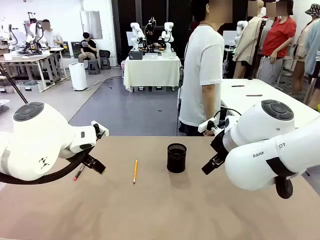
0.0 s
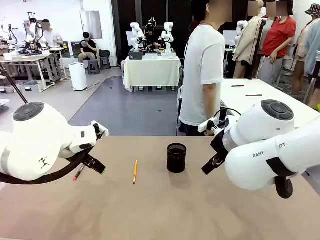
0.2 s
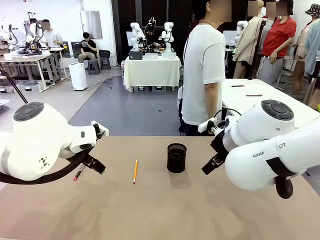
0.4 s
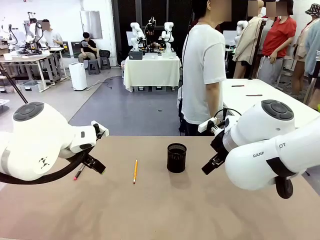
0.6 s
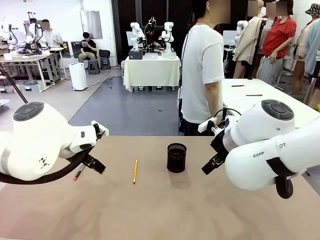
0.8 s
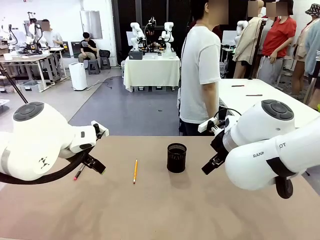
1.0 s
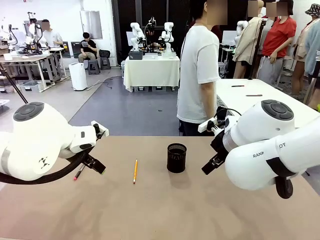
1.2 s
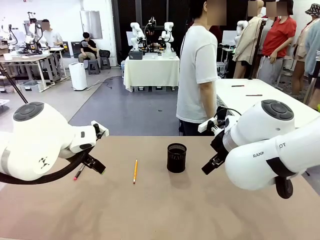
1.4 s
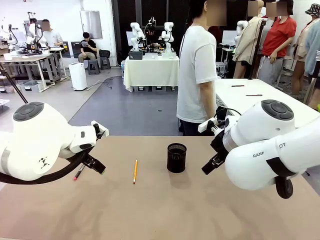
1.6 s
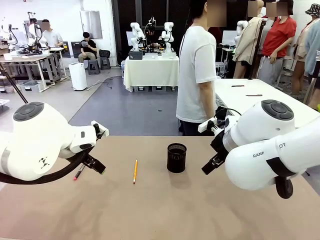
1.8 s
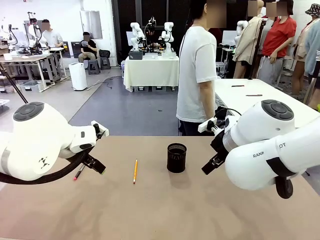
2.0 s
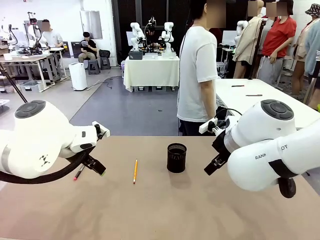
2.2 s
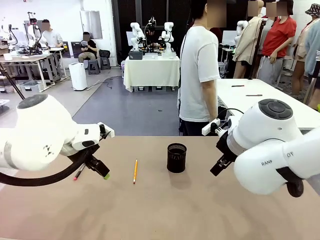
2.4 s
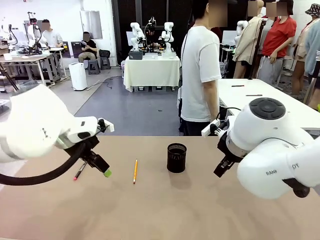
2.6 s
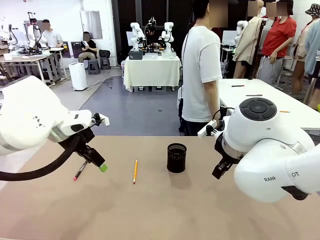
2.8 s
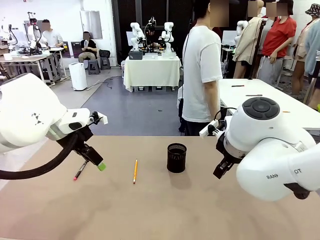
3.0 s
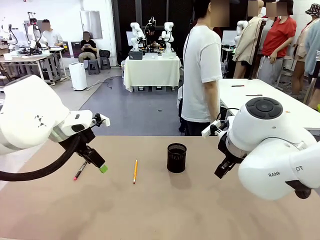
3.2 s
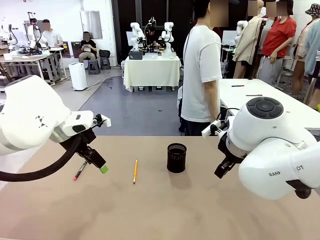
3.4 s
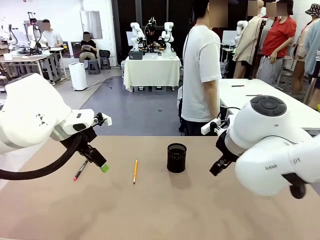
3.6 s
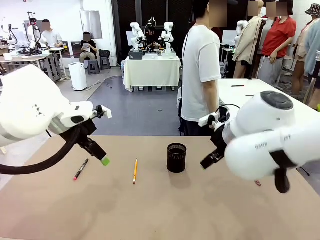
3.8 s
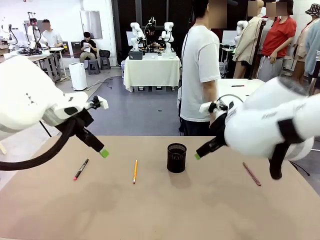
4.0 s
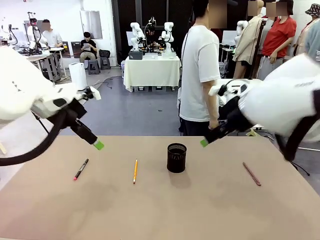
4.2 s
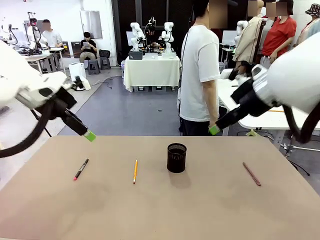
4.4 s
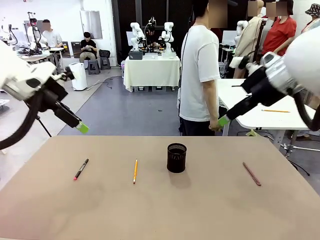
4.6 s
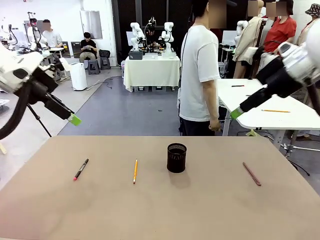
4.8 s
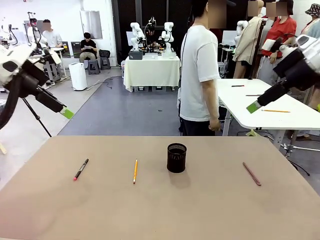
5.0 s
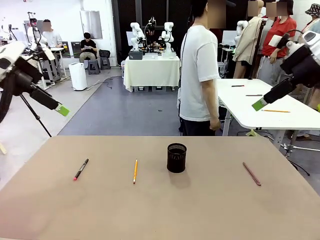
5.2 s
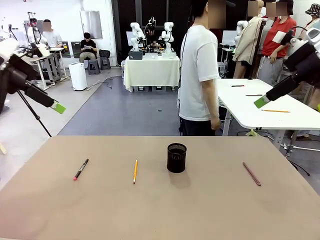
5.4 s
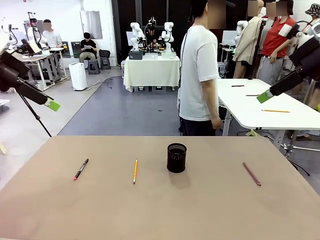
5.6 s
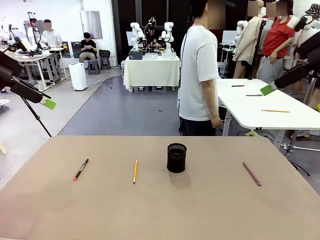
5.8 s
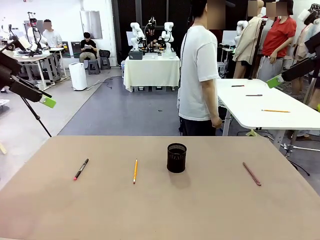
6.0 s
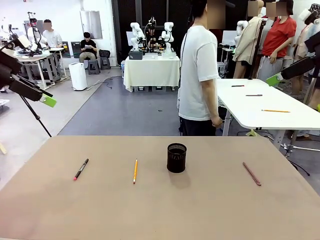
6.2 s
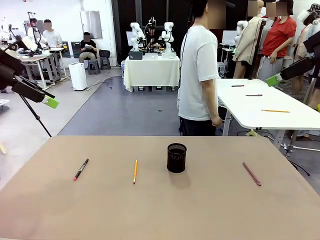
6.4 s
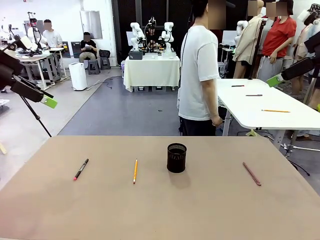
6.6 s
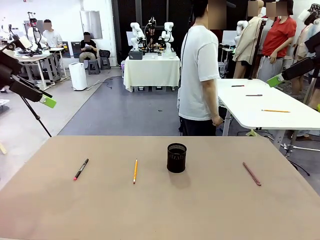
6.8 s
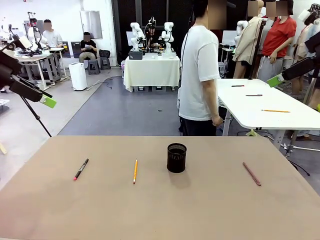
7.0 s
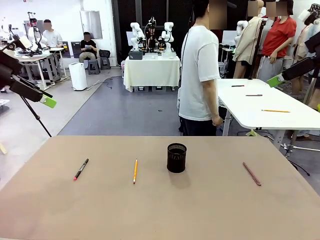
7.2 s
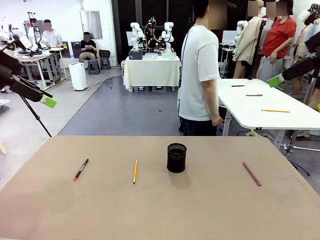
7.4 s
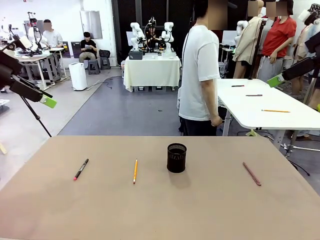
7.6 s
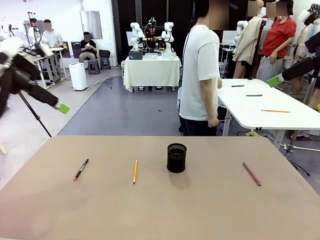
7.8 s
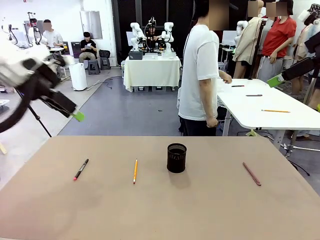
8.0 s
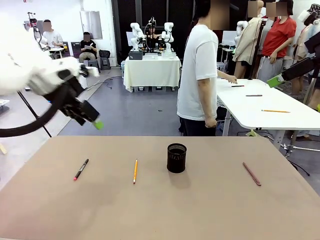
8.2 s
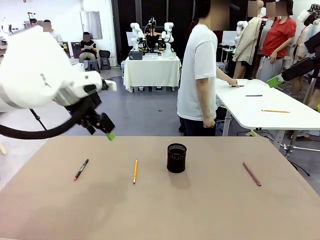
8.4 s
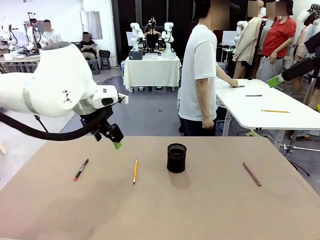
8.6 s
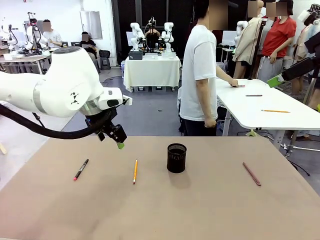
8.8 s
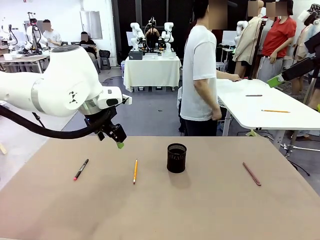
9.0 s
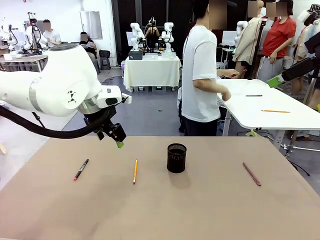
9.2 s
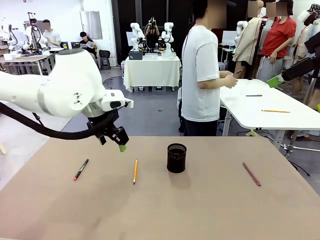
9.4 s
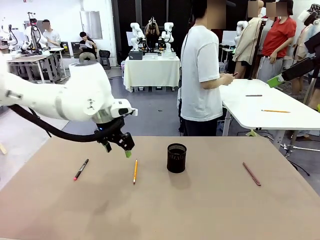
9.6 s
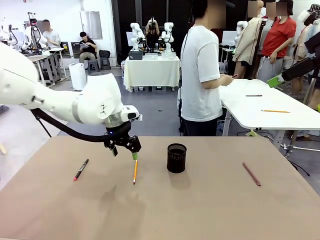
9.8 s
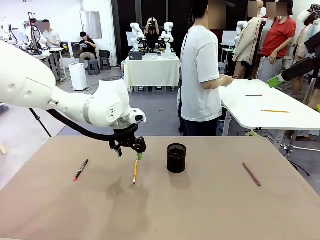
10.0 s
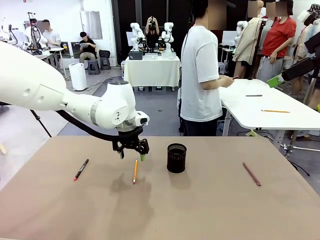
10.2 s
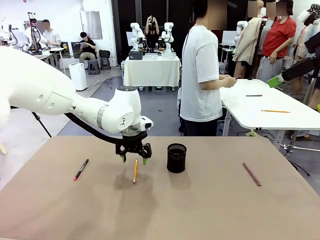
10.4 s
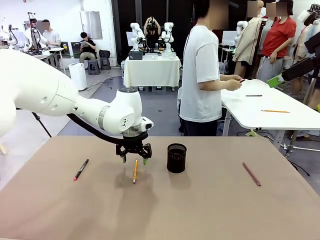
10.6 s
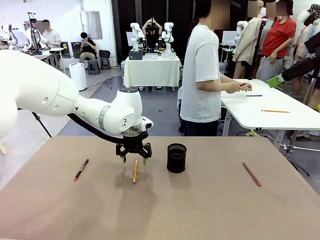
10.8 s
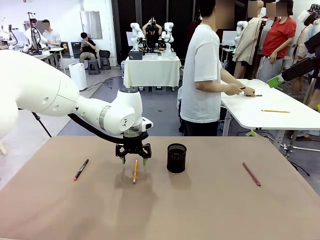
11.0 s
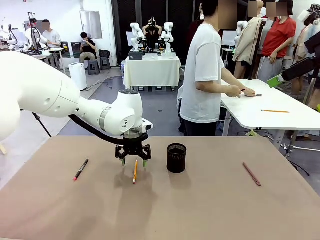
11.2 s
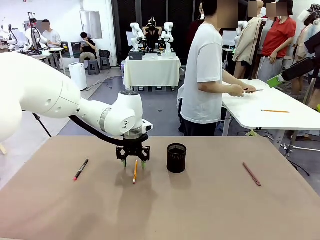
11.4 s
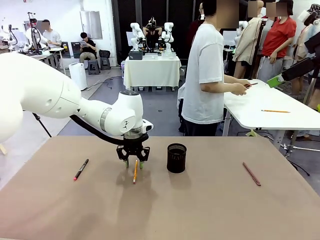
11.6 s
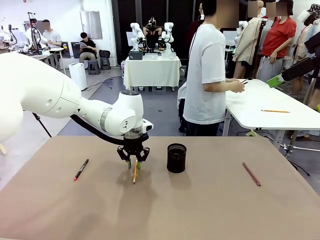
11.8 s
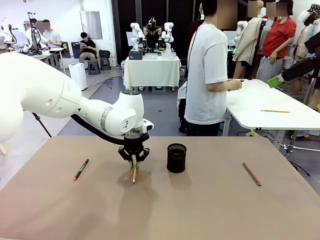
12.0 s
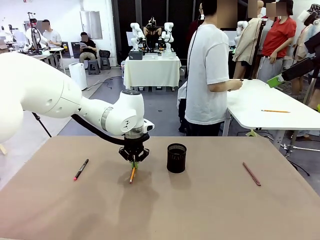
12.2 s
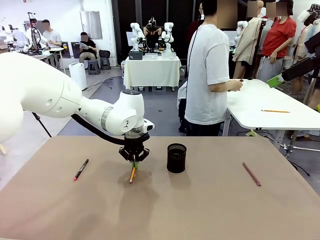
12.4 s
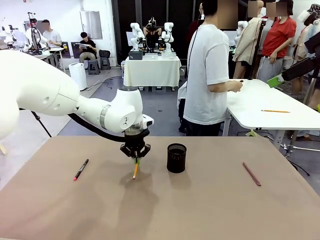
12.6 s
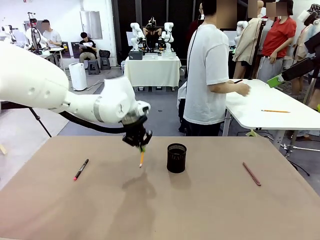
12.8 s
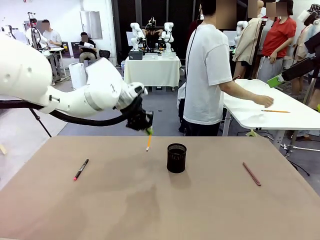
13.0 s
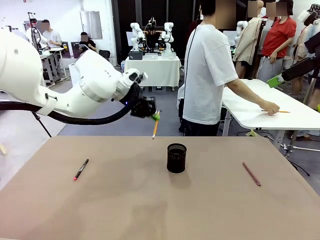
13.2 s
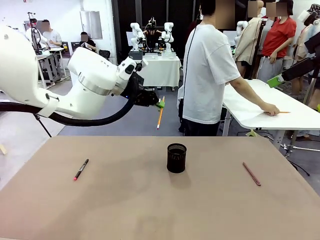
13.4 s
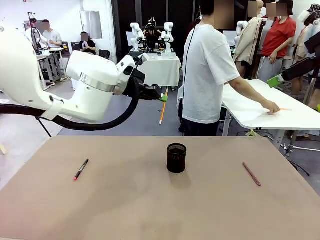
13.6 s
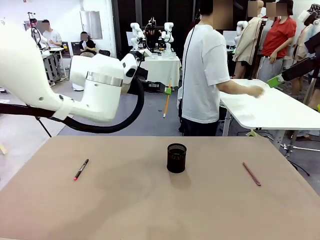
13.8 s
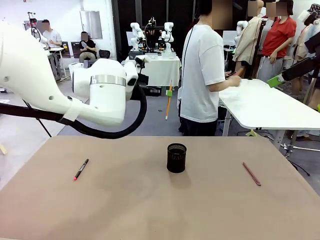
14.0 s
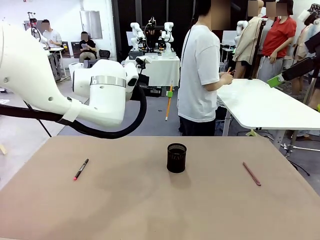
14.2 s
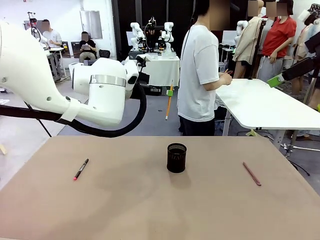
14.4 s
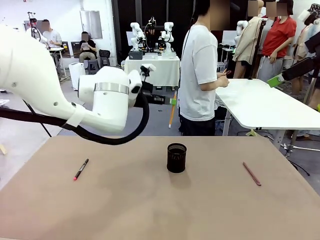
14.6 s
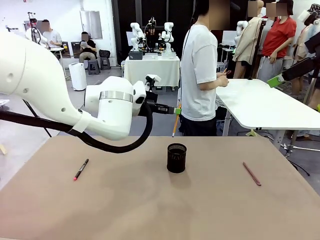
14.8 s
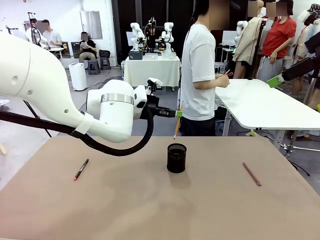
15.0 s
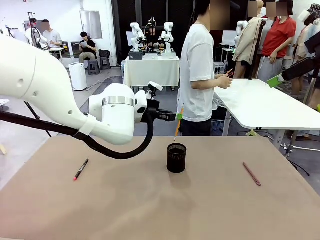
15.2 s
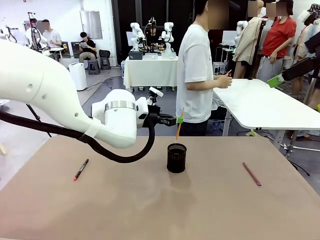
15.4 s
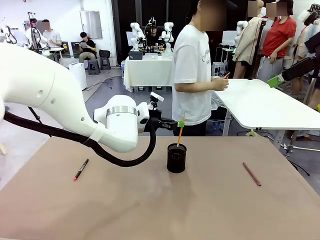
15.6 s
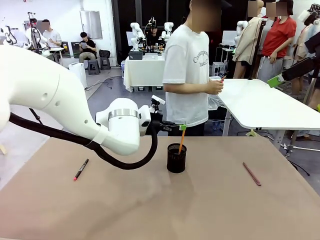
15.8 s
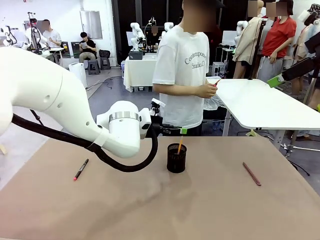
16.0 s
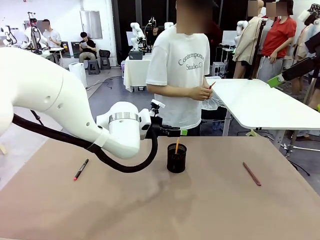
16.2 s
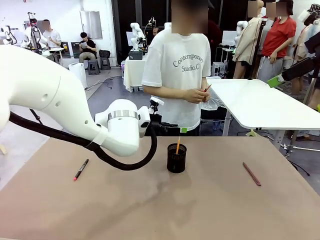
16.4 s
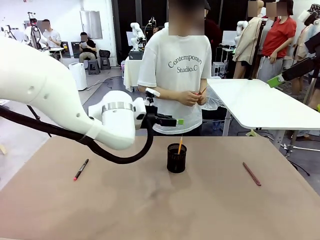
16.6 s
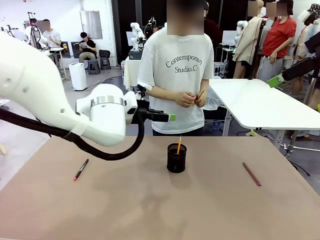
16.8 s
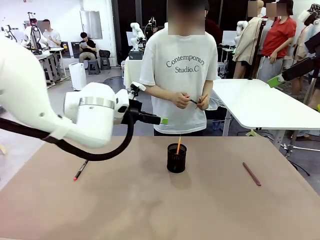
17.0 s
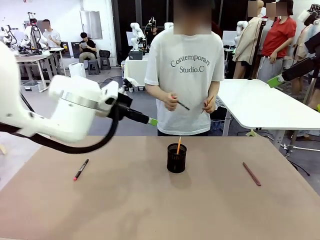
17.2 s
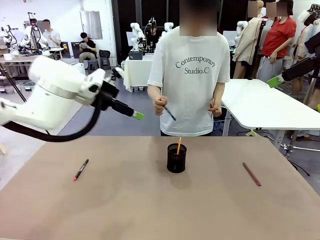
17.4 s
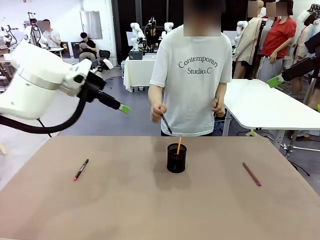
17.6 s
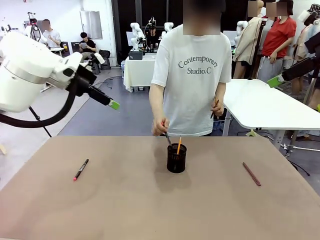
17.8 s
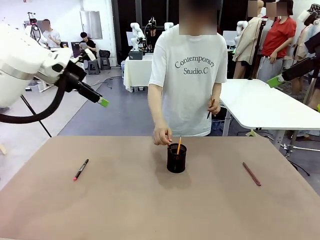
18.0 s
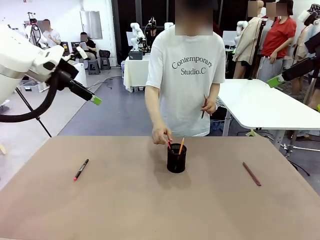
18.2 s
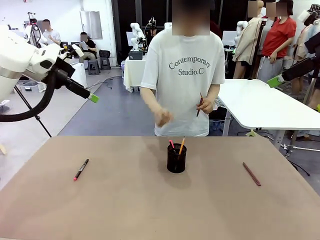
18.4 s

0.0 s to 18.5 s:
Task: Place the pens into the pen holder.
Robot: Pick up a writing instrument from the table and place it into the Pen holder.
Person: Pick up all writing instruments from the Human table.
